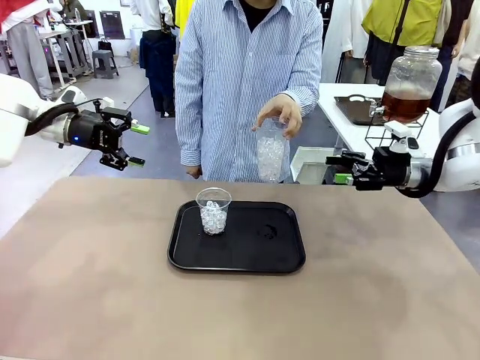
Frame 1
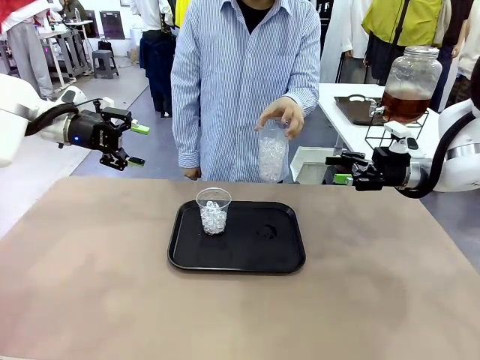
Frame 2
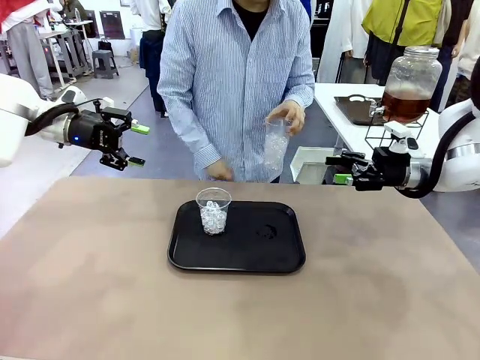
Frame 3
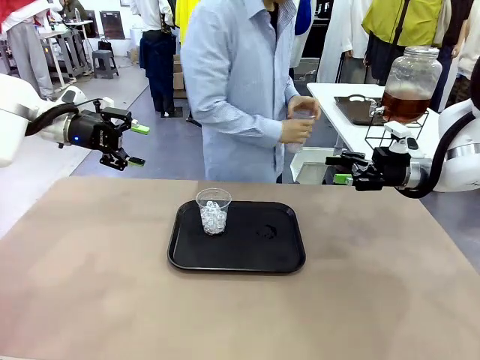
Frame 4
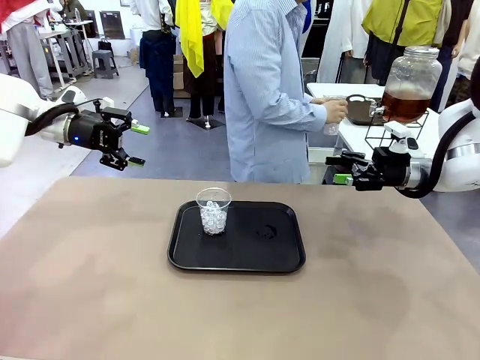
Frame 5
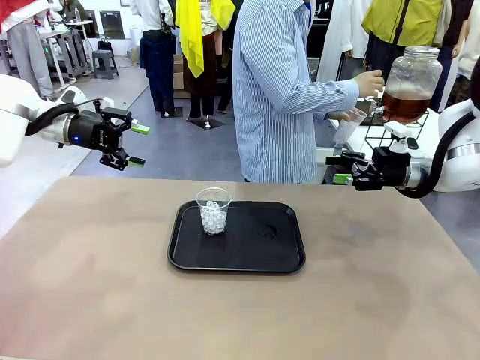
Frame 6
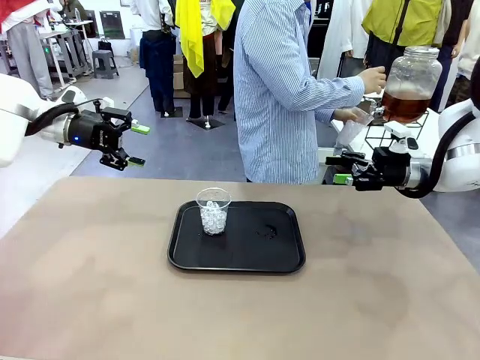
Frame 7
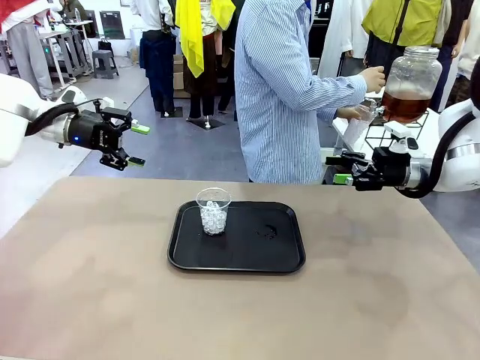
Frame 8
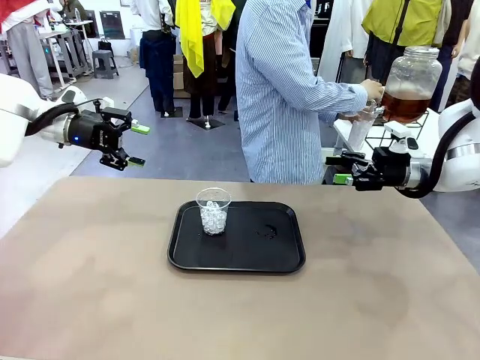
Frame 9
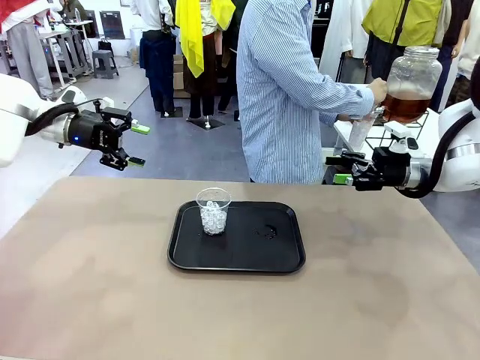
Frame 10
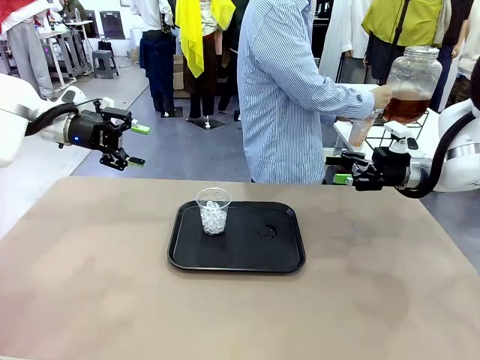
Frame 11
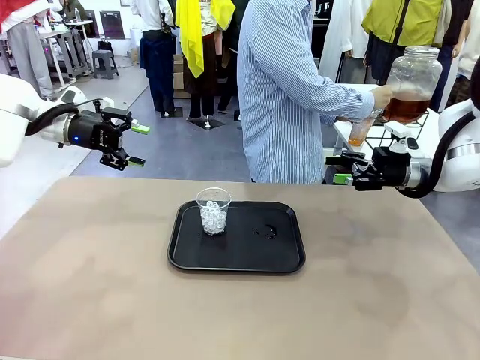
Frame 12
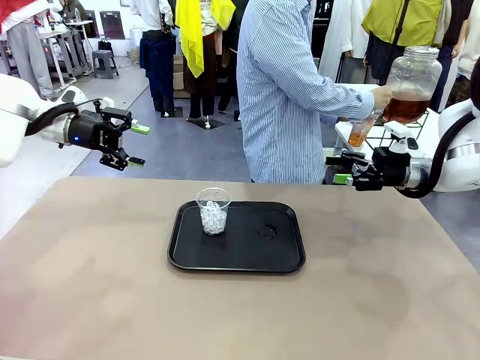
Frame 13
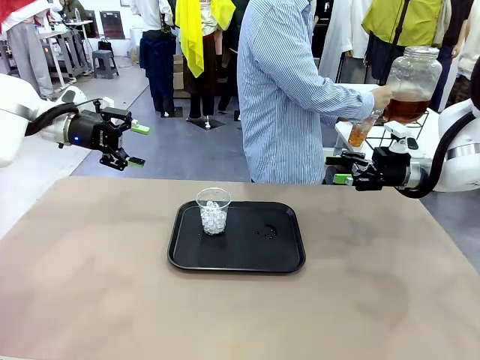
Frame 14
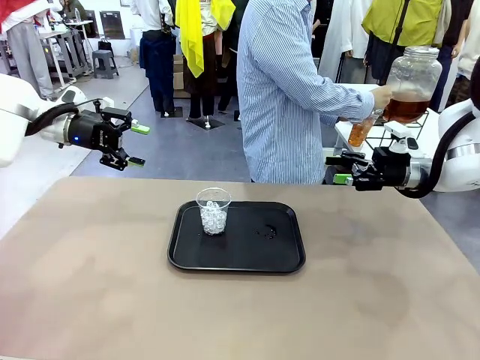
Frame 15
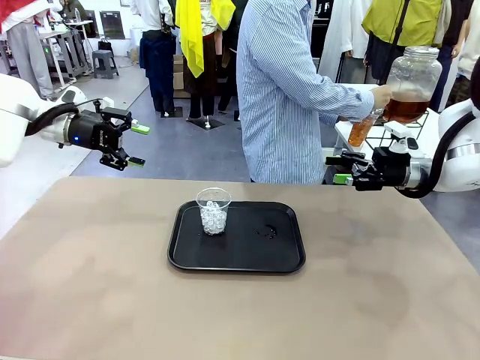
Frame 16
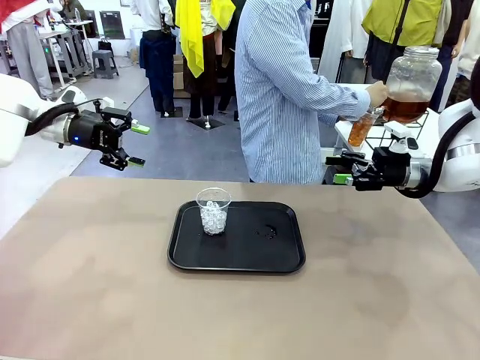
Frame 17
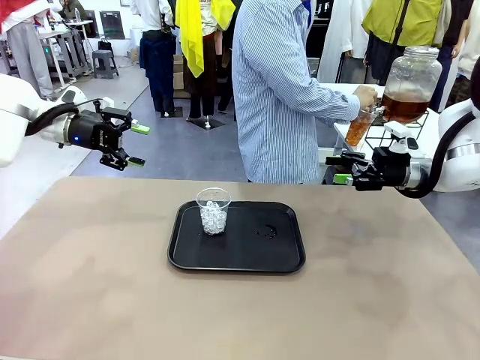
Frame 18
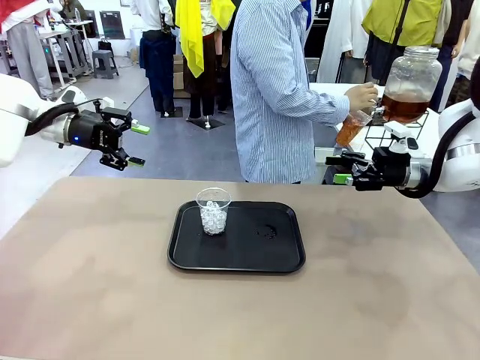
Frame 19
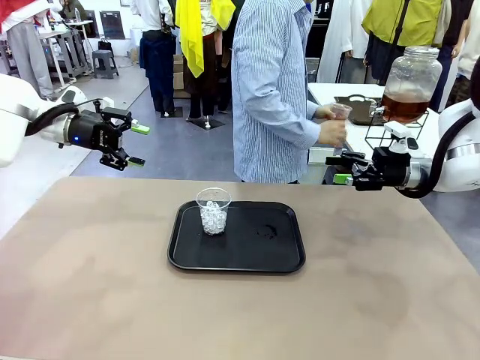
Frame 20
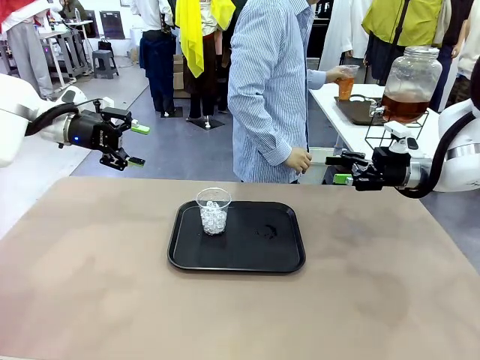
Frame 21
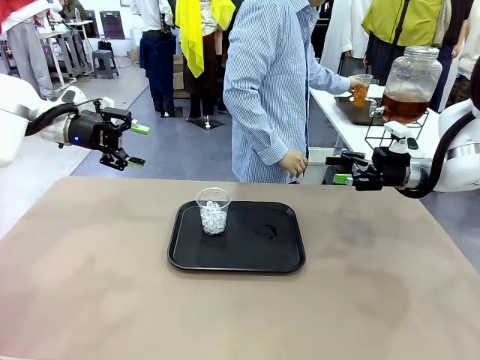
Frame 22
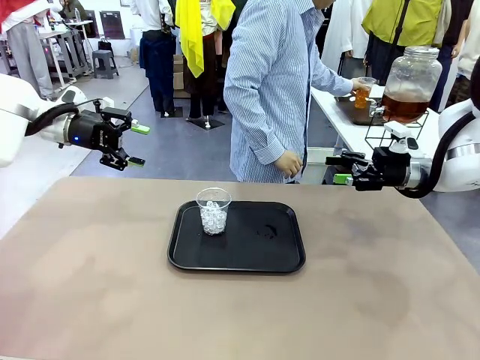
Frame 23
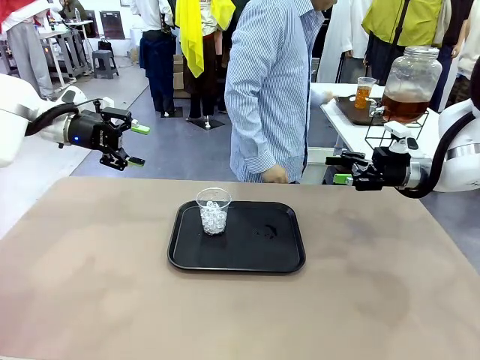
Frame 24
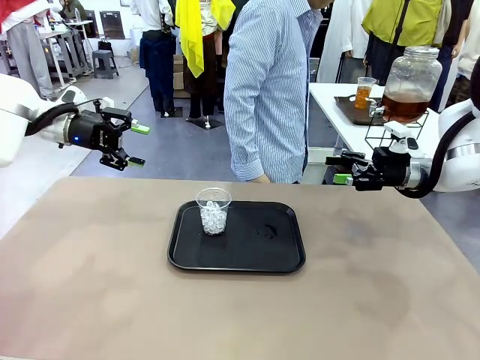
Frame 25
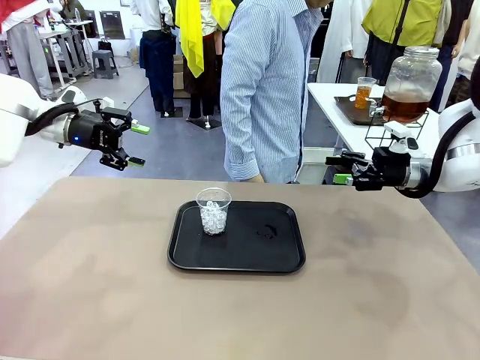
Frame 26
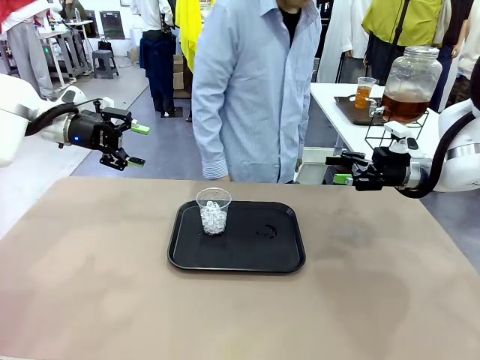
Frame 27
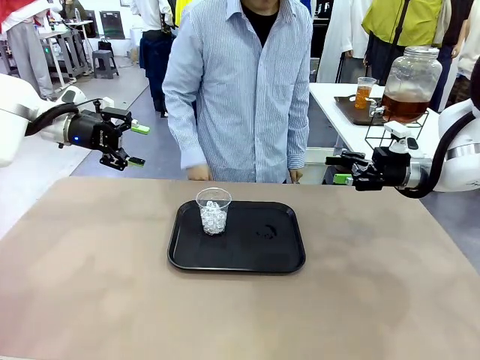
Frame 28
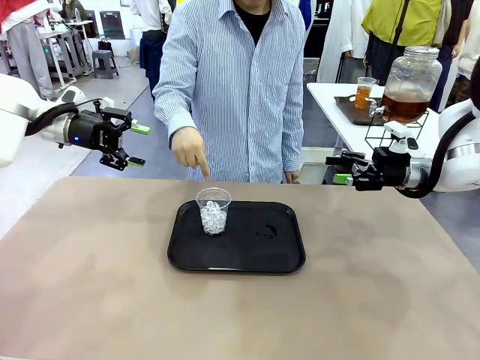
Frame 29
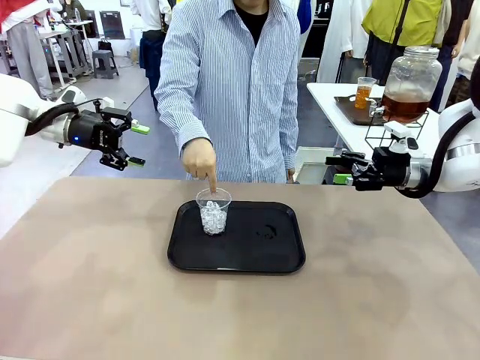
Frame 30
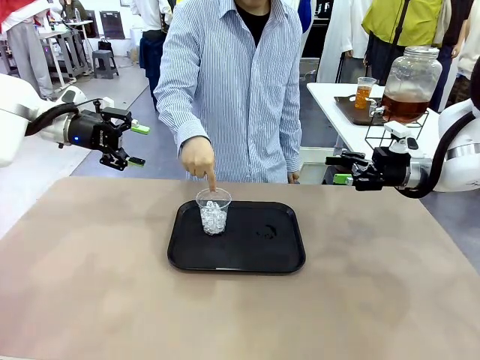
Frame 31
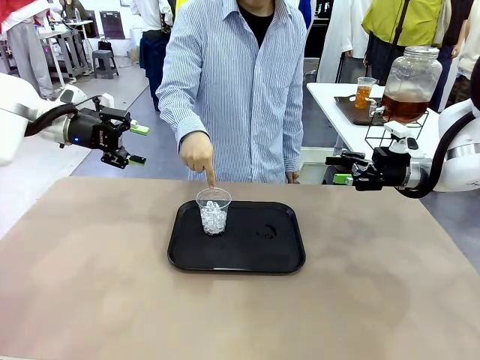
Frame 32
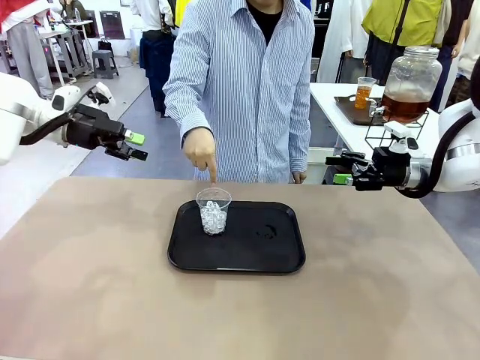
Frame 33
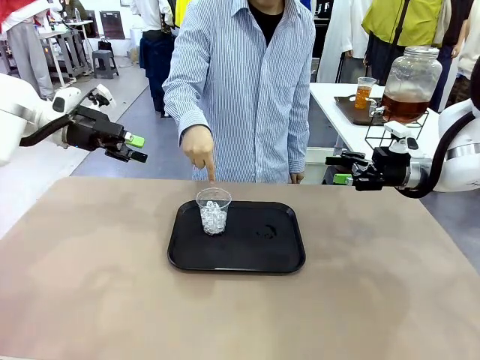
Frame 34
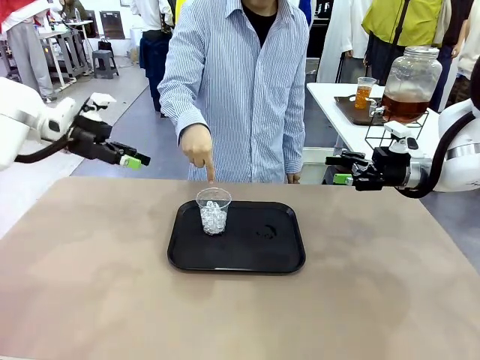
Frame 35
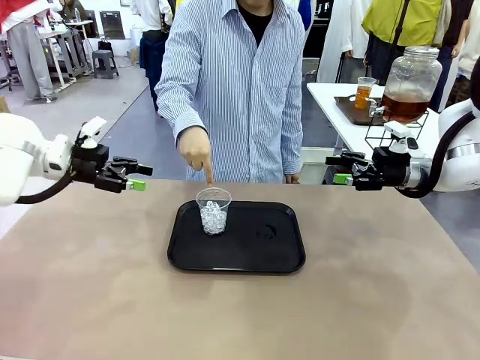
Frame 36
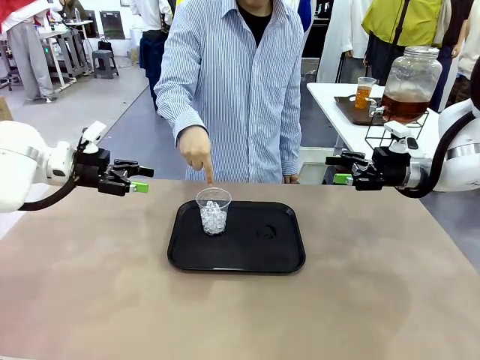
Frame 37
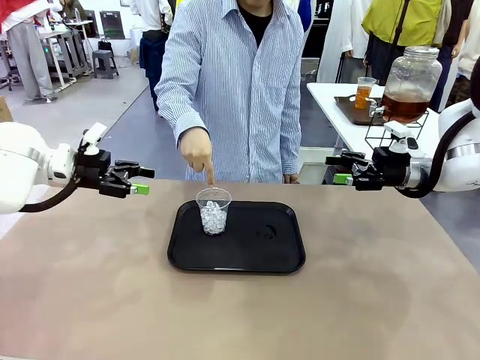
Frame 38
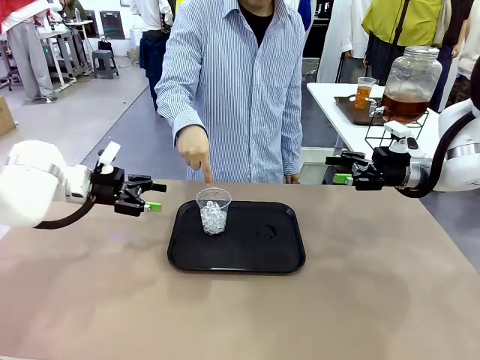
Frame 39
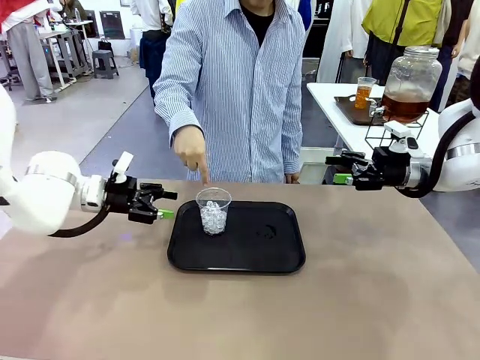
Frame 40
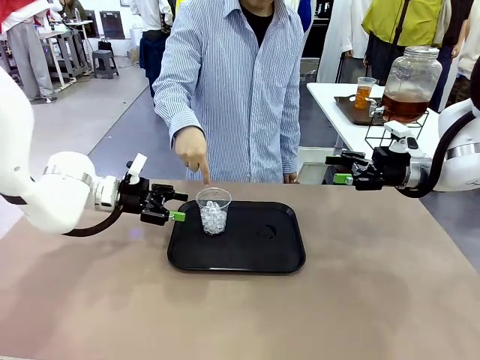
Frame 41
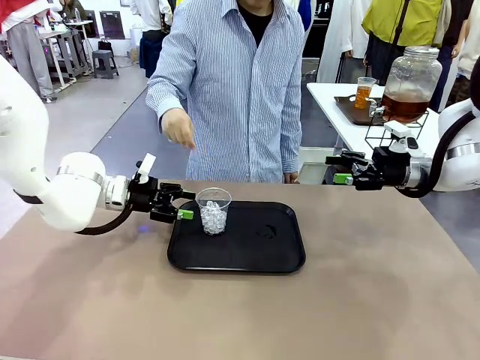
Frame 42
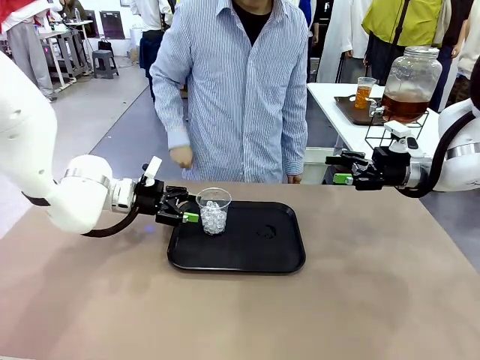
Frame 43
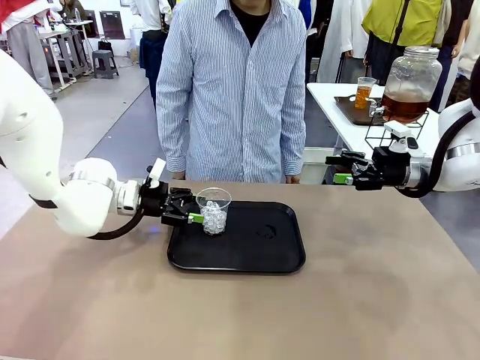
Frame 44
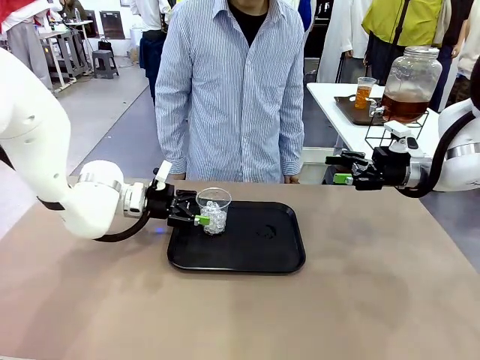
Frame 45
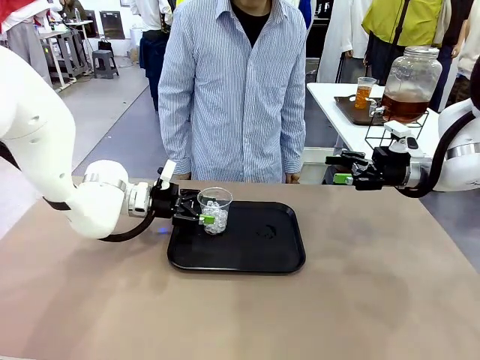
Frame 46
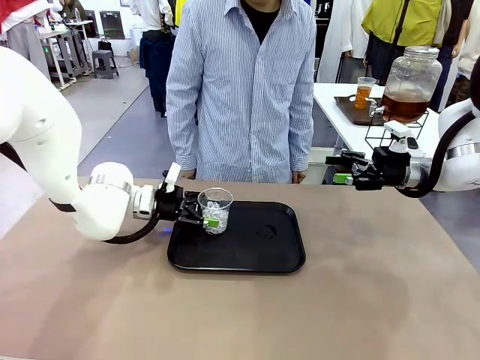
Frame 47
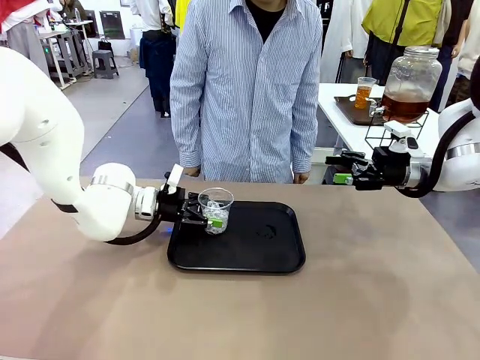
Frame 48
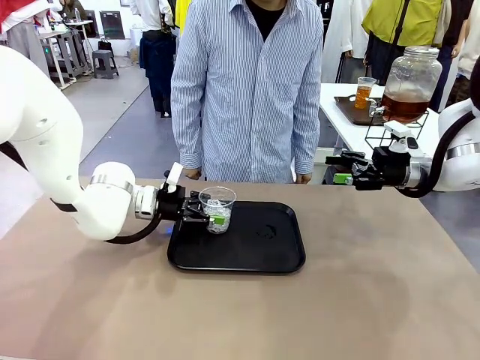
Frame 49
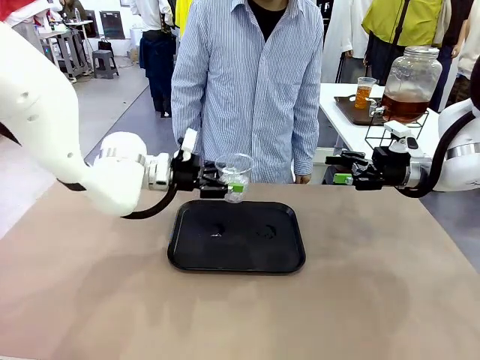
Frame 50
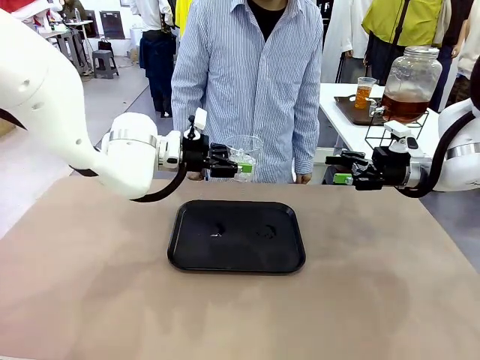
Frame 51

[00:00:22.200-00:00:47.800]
Task: Pour the drink into the iced cup.
Robot: Pick up the iced cup indicated by the human and present it to them.
Person: Move the picked-up cup under the dispenser faucet, pour the drink, and place it on the tray on the human table. Point to the remaining ice cup on the robot table. Pick up the cup offered by the robot.
